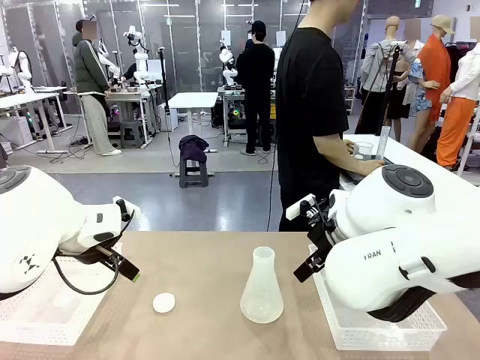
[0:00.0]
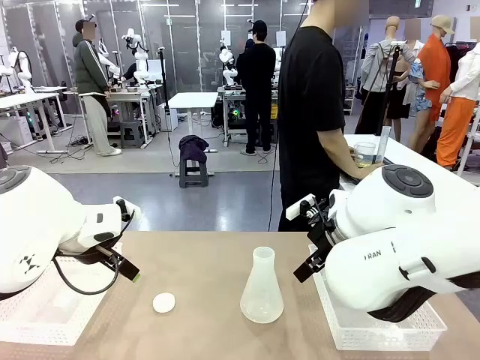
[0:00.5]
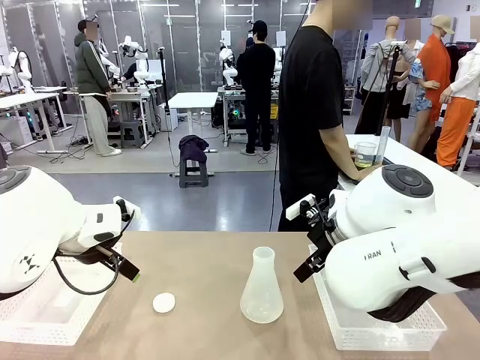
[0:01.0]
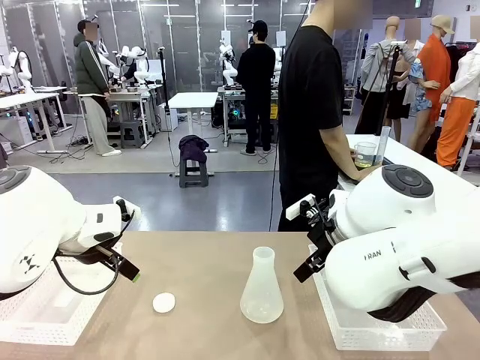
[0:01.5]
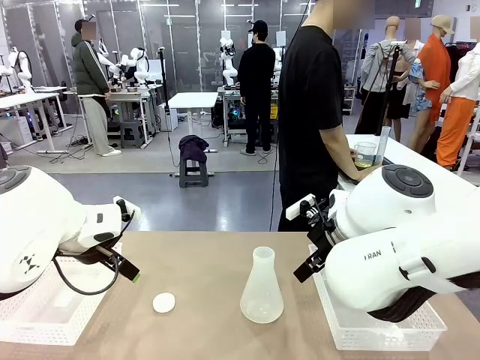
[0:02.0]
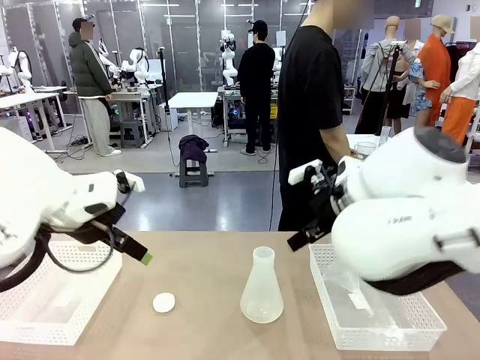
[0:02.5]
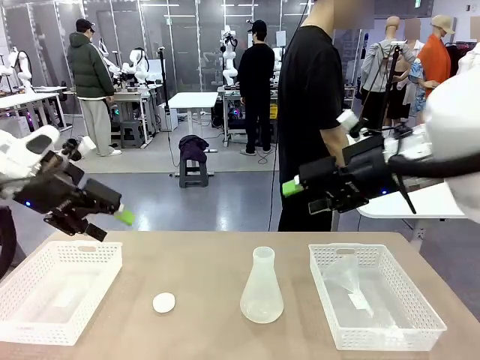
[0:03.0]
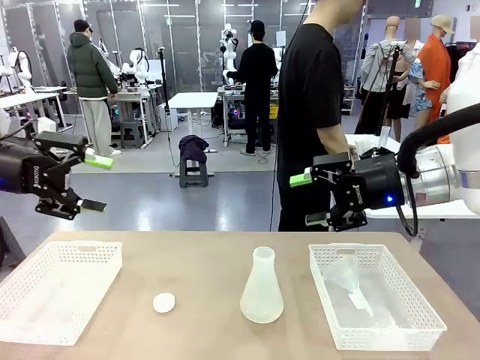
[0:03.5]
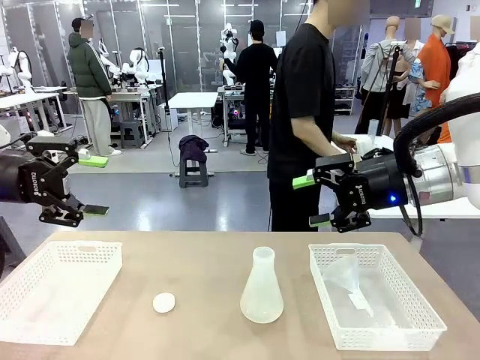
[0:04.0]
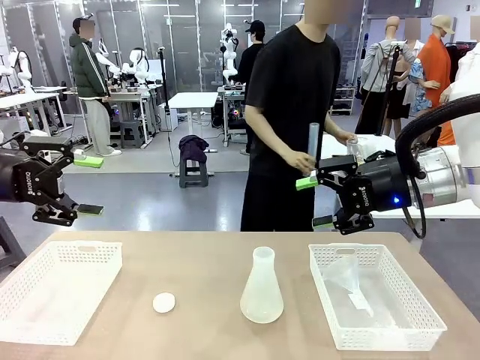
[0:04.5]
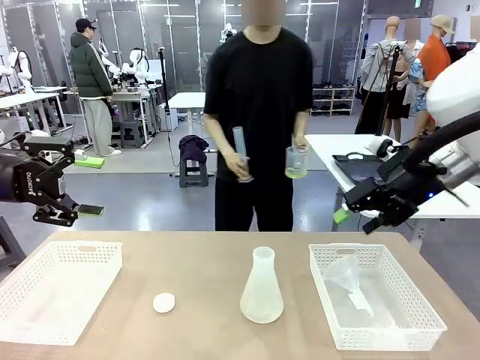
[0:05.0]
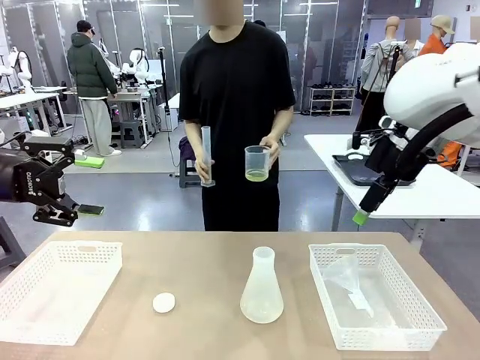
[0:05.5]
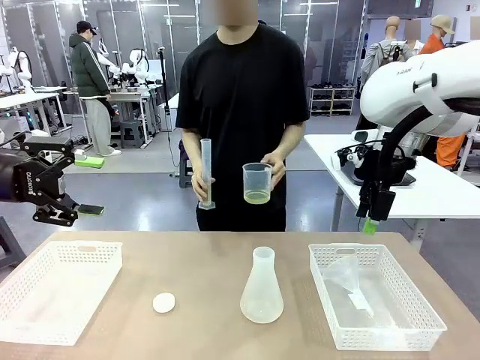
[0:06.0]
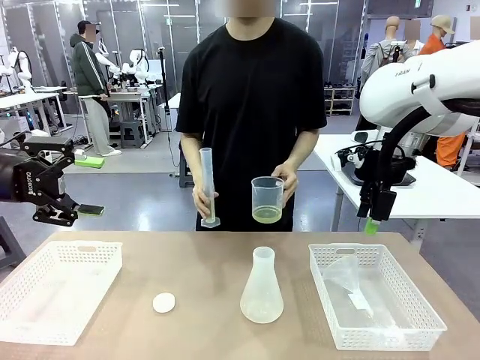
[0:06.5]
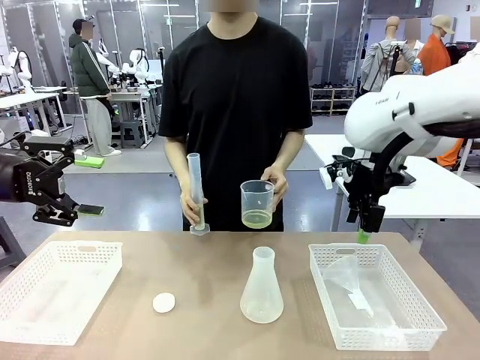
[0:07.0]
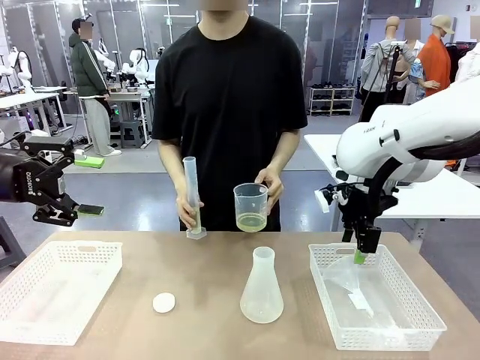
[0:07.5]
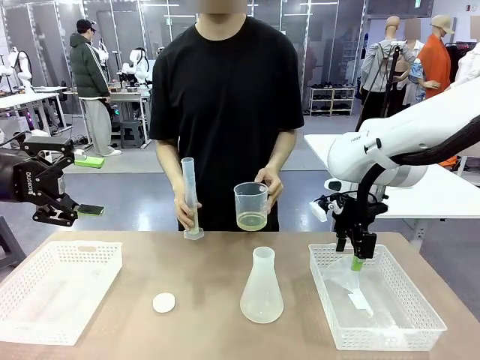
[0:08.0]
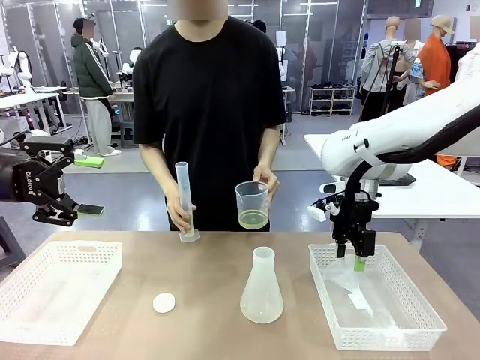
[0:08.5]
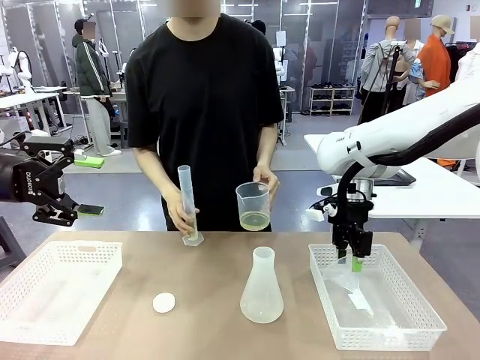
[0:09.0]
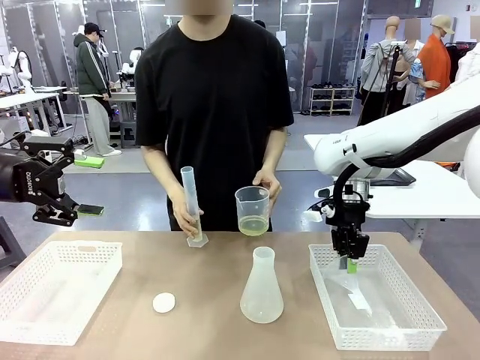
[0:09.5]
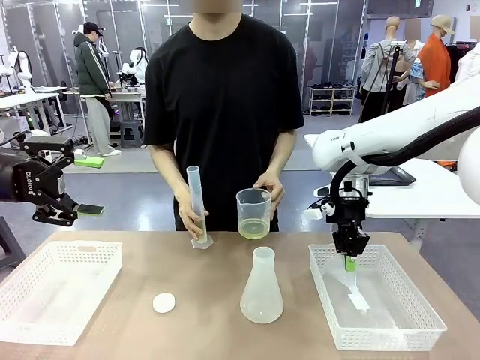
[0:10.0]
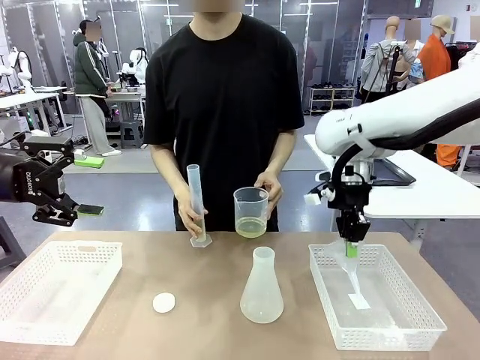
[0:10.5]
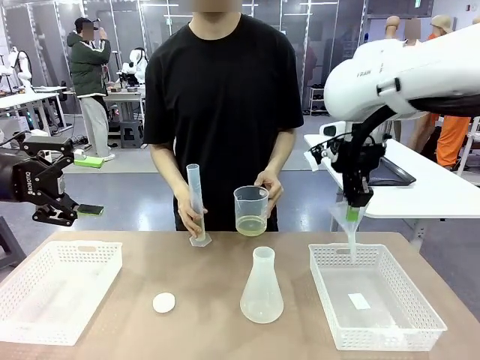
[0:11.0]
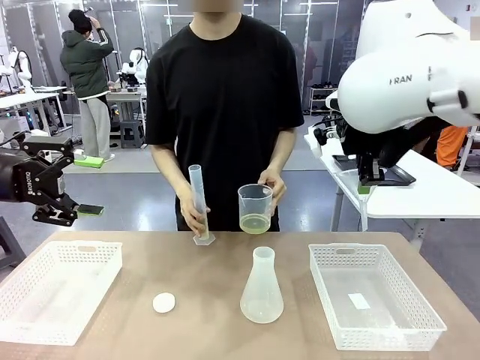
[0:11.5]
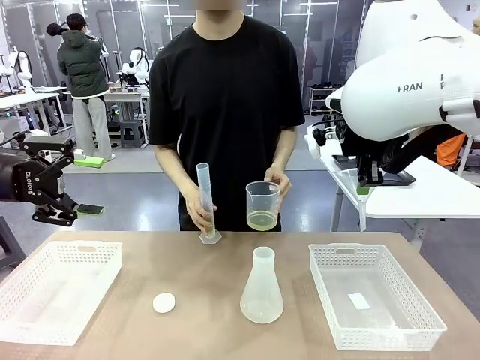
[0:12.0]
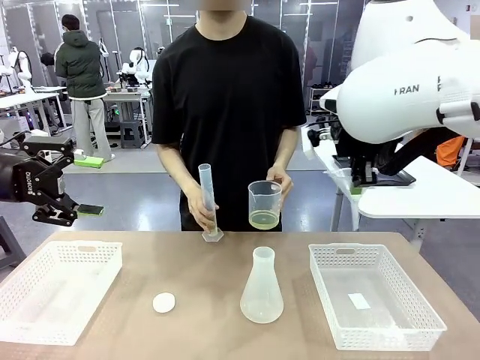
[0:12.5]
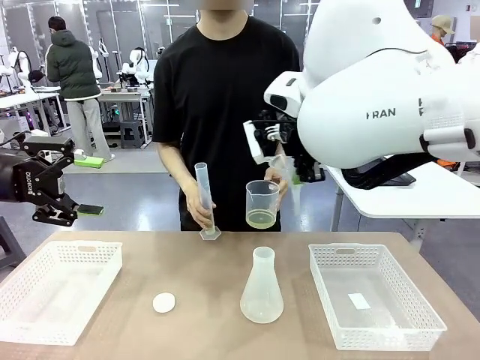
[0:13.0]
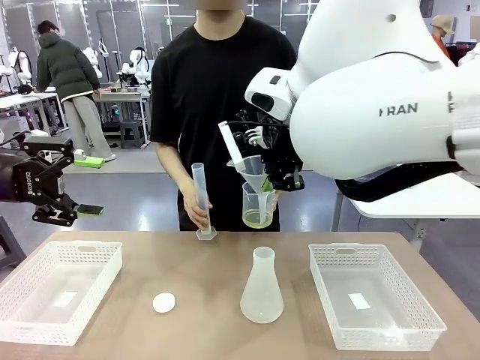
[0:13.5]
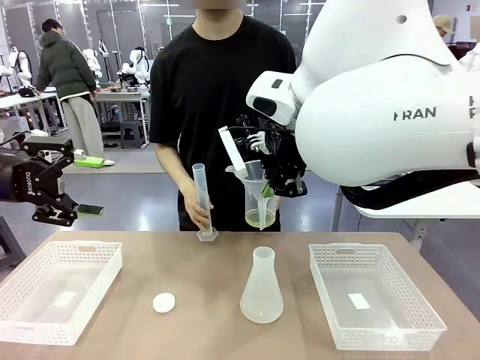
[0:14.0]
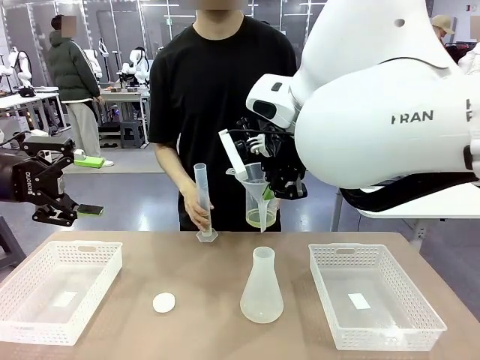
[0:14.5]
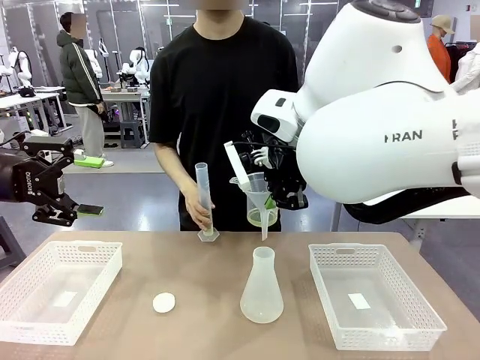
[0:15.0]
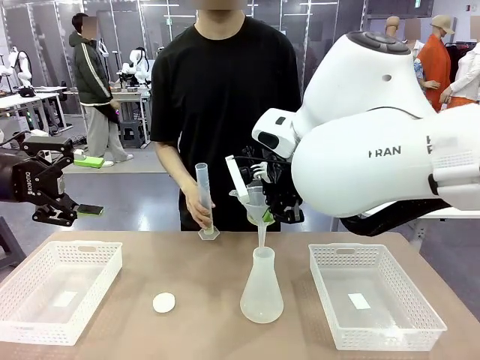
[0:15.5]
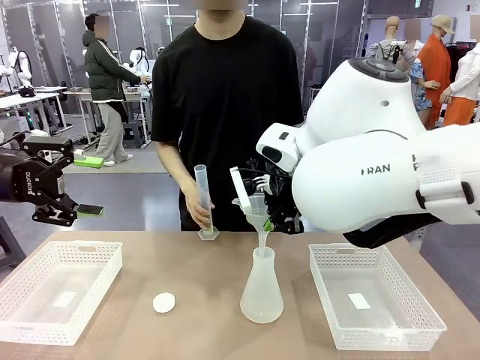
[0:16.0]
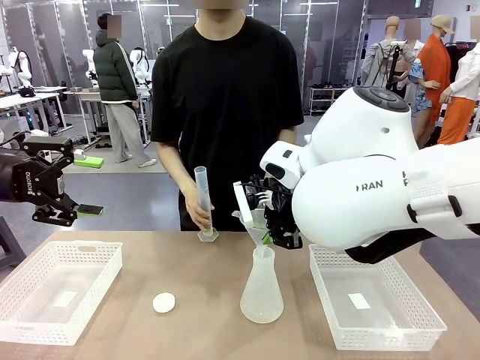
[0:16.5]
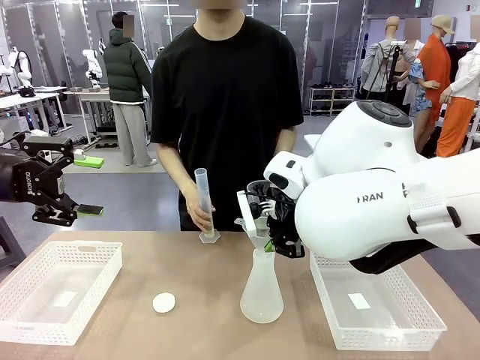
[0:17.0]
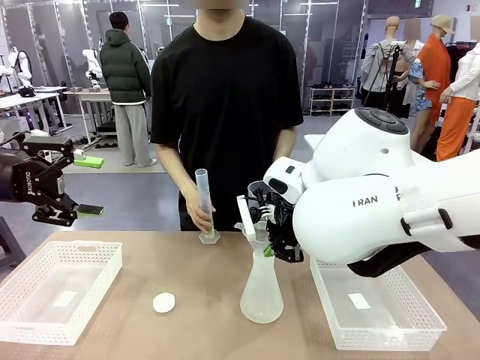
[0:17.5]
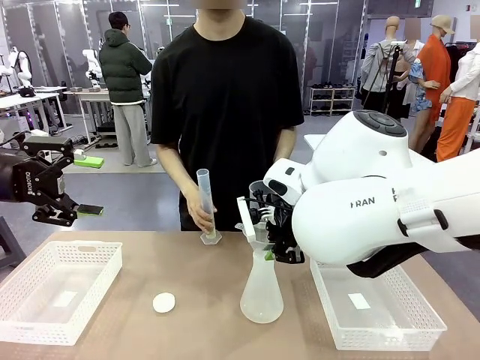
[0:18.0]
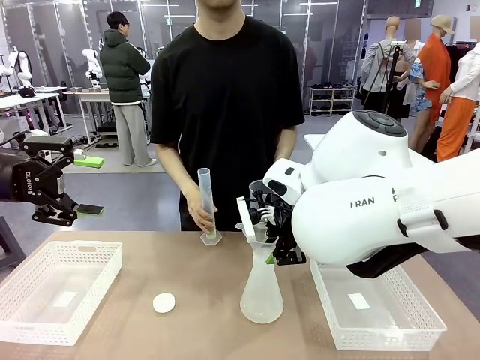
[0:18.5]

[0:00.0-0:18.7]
Task: Prepare the solutions needed for the experiment.
Robot: Pick up the Plastic Funnel and insert it into the Big flask.
Person: Pick up the beaker and the cylinder and move to the middle of the robot table. Pour the solution from the beaker and the cylinder into the flask.
